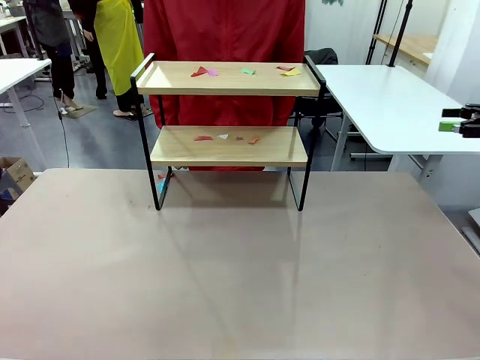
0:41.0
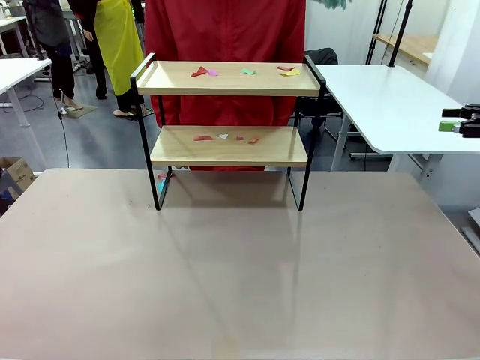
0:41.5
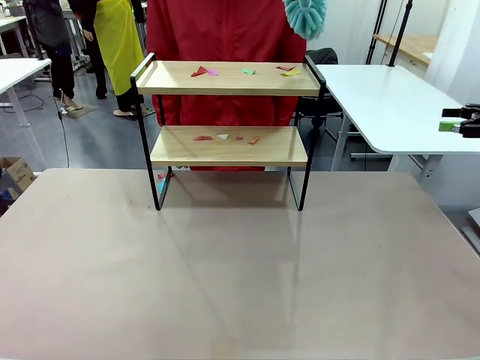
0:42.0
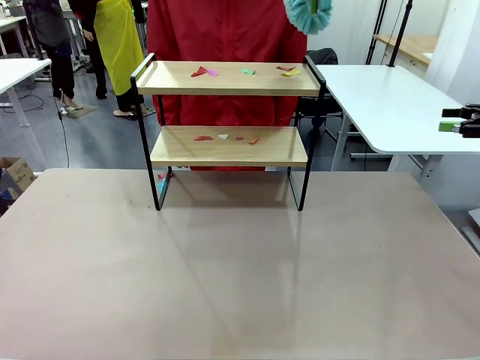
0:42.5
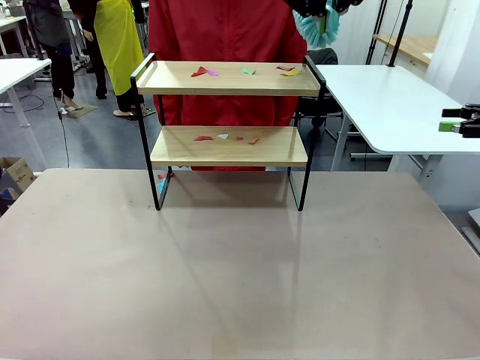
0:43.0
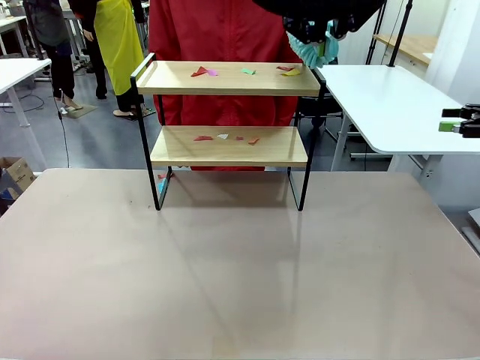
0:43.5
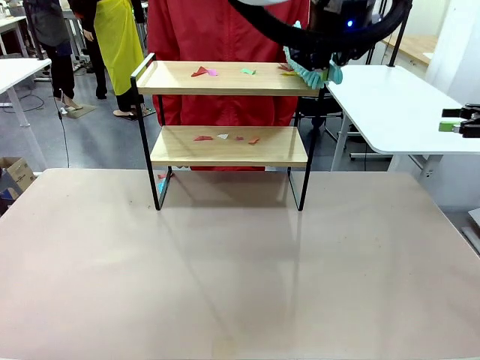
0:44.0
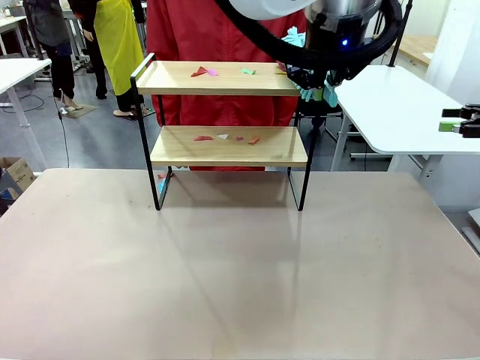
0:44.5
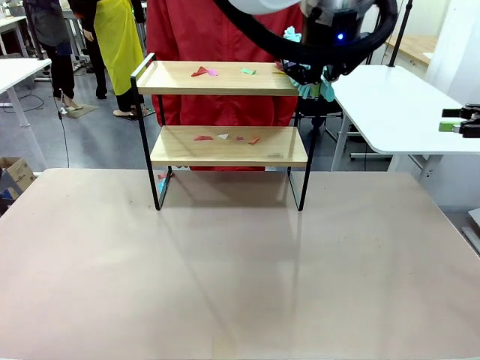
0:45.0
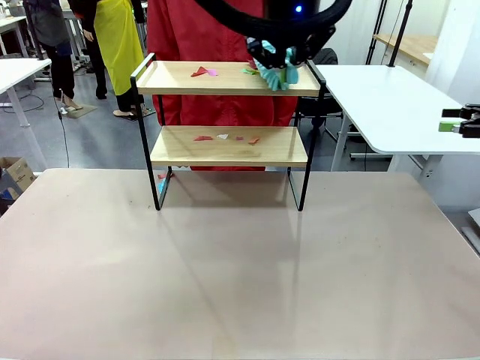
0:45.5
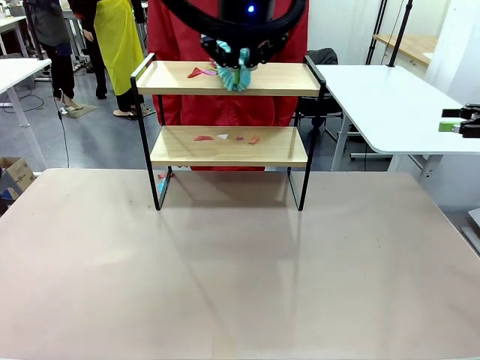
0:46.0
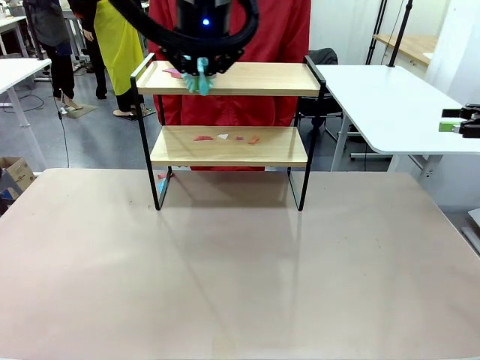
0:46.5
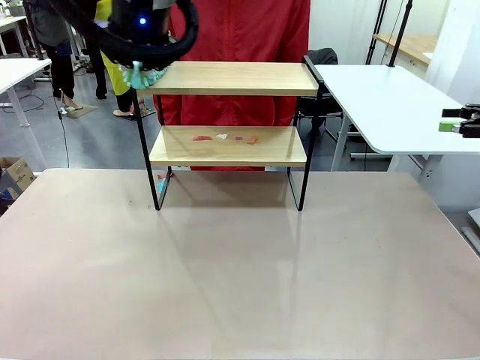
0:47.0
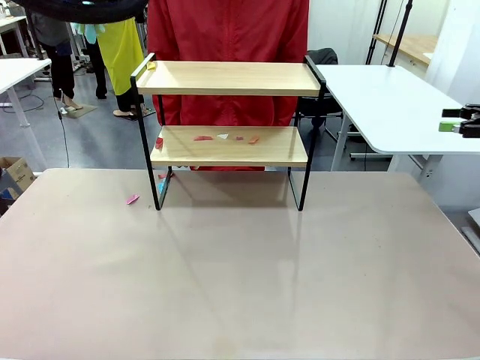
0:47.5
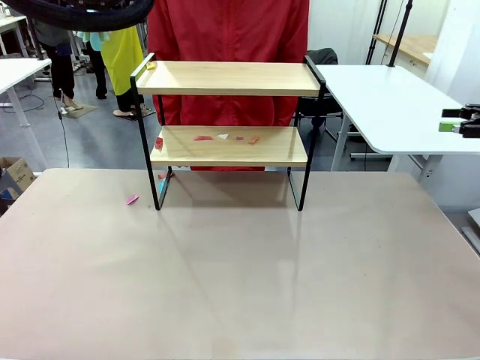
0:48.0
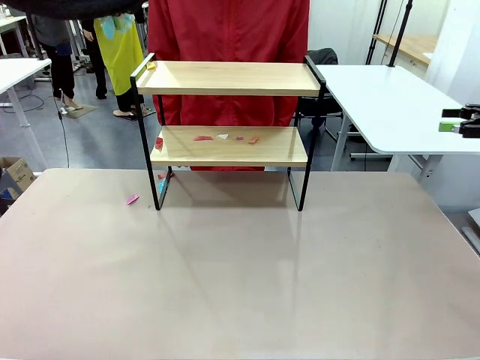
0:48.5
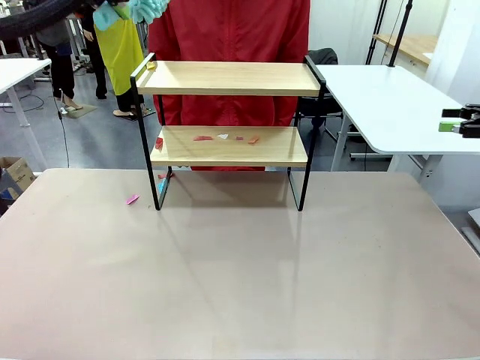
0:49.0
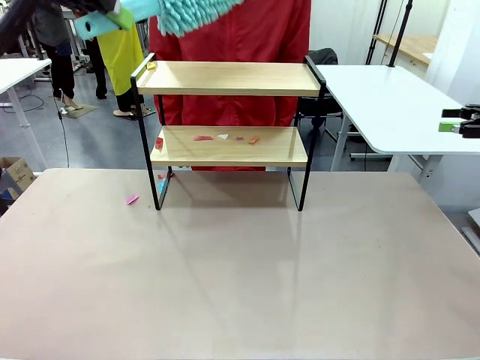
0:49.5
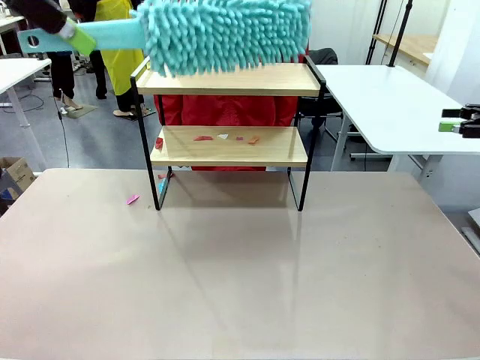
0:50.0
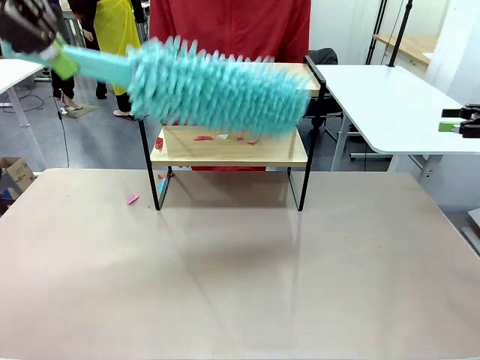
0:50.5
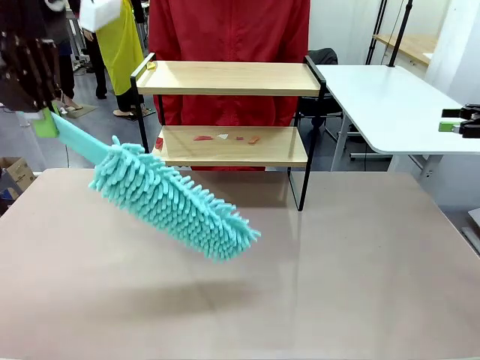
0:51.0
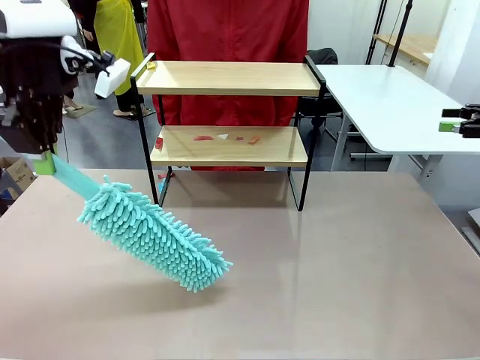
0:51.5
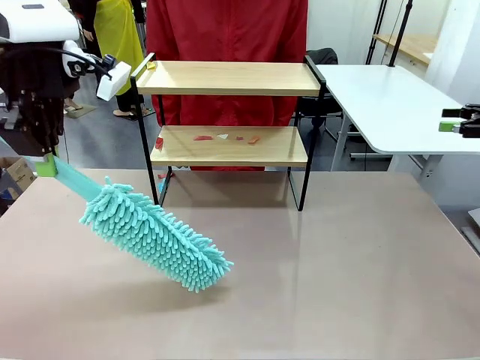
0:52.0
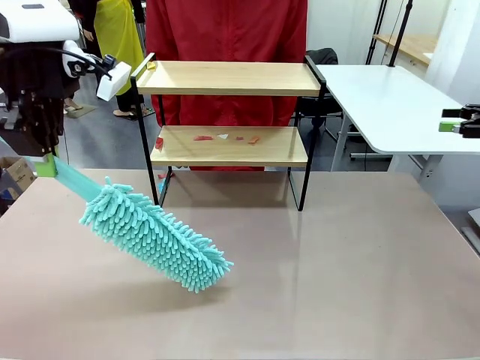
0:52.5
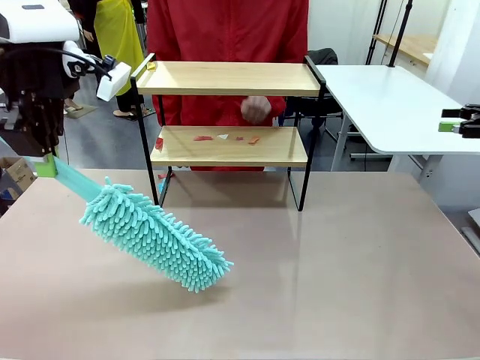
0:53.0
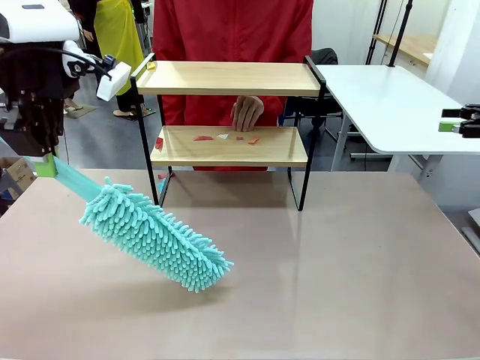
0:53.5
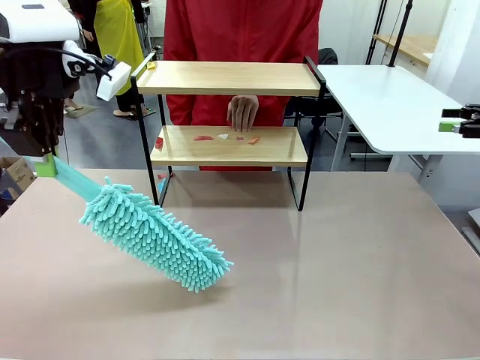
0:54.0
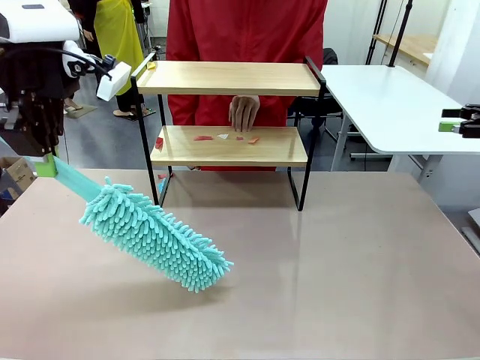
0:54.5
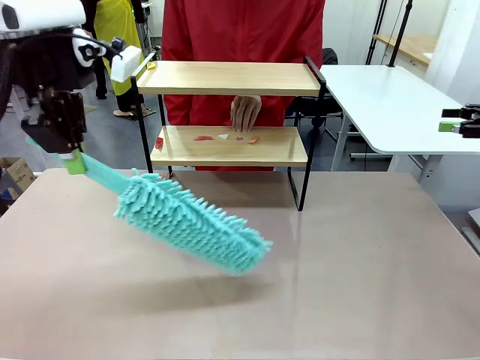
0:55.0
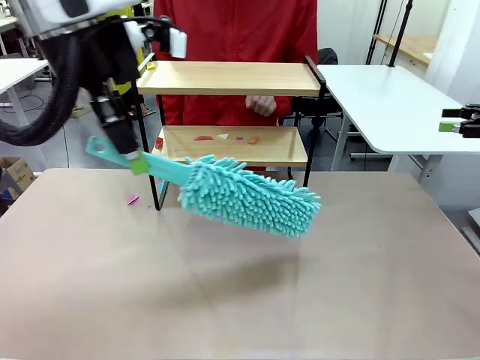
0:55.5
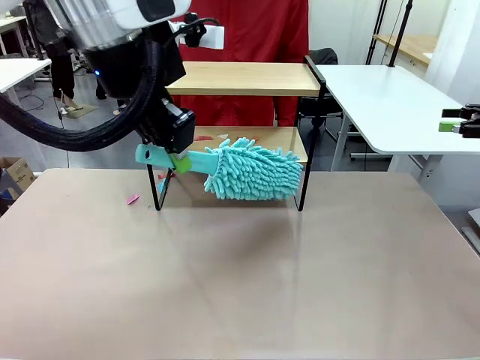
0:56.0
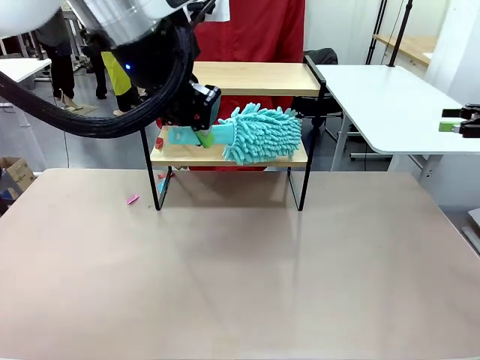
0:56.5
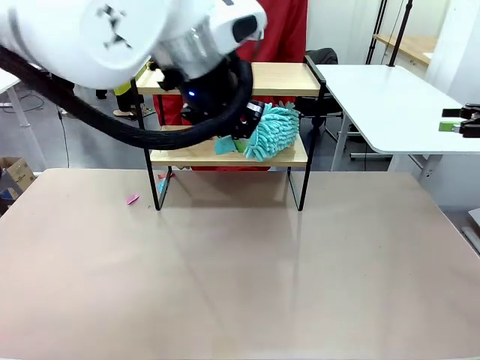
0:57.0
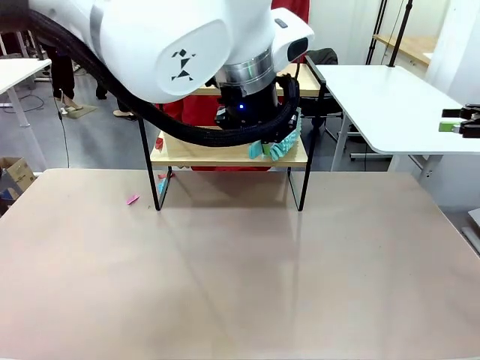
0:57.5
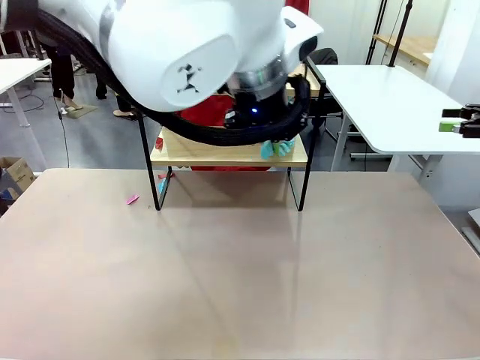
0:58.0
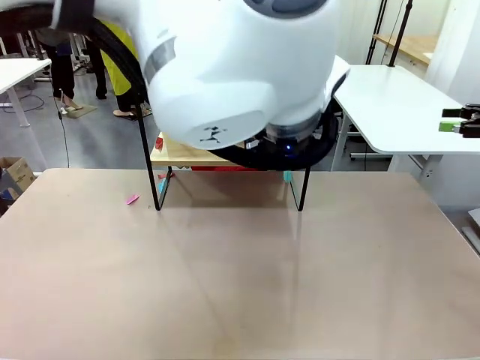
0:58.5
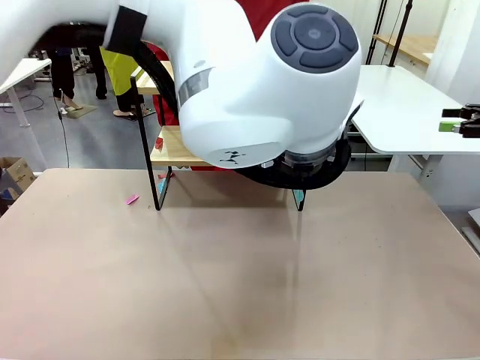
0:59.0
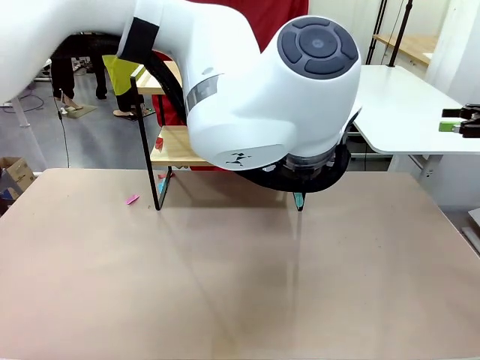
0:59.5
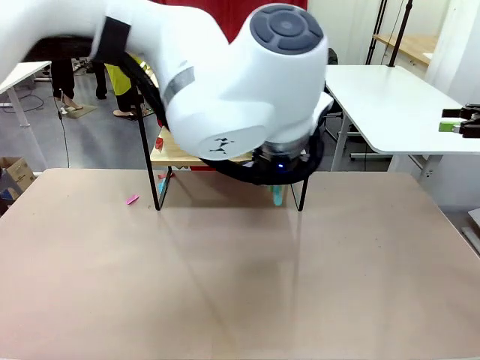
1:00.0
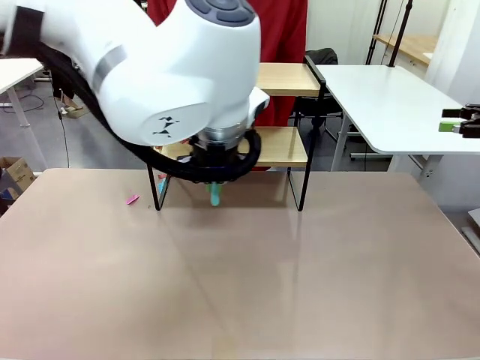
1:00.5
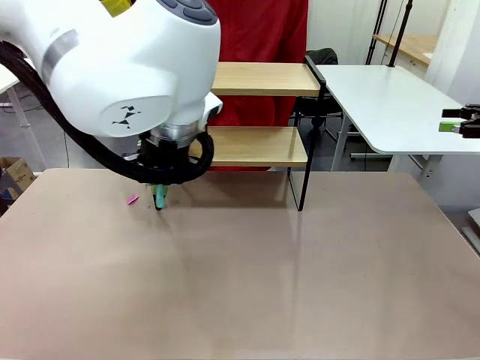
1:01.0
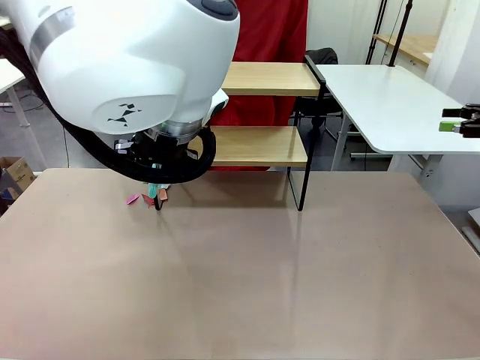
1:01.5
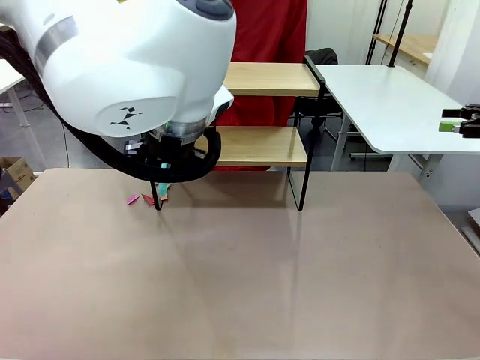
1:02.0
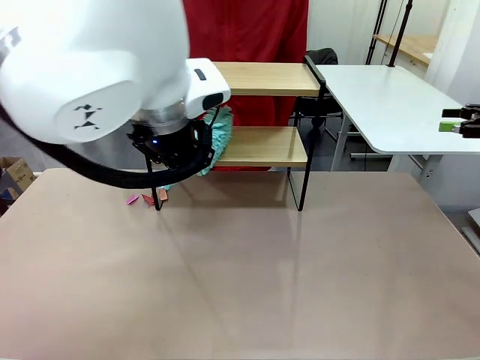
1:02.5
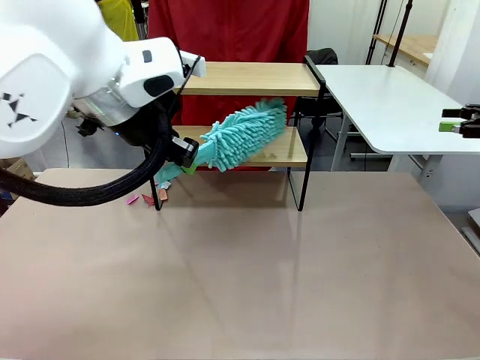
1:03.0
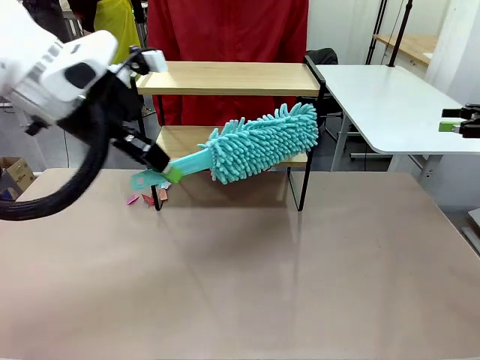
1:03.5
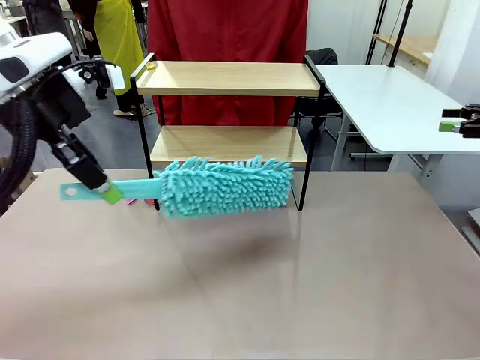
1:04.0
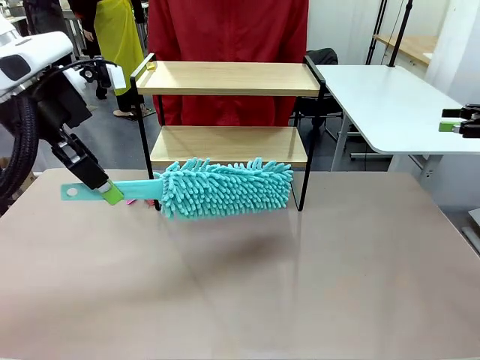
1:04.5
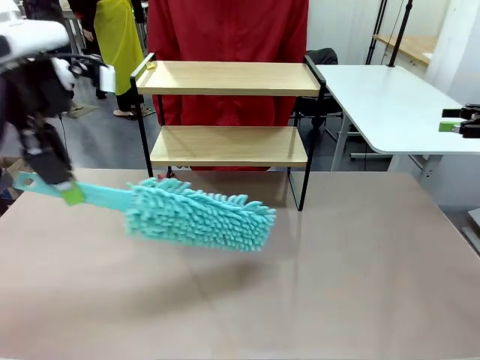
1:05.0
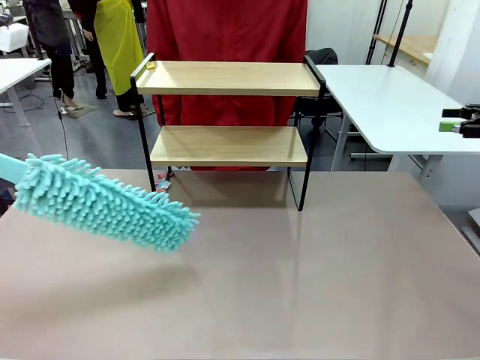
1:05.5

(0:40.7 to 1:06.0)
Task: Clean the shelf.
Robot: Clean the specific section of the Shelf indicated by the human with the Duster.
Person: Point a remaining section of the Shelf.

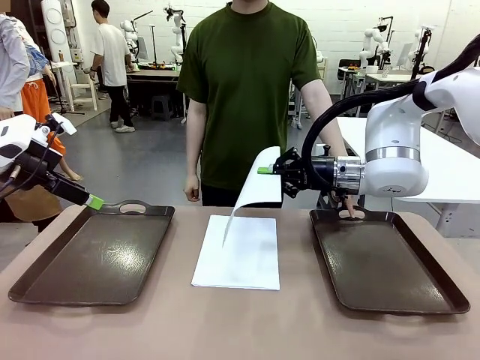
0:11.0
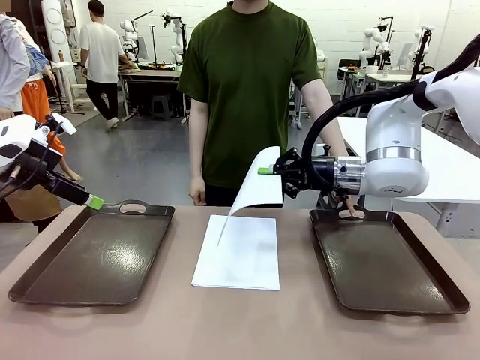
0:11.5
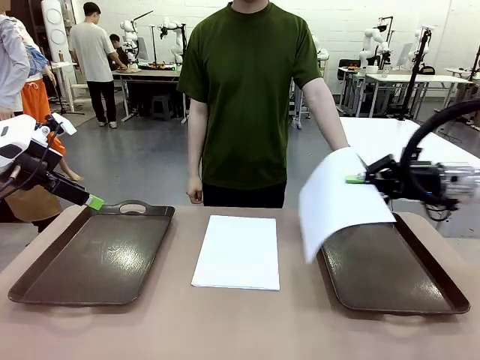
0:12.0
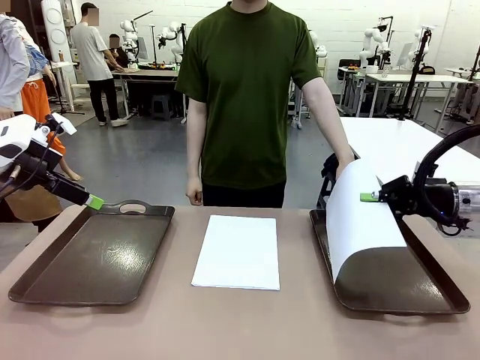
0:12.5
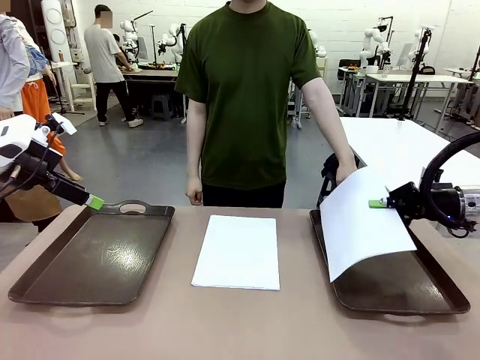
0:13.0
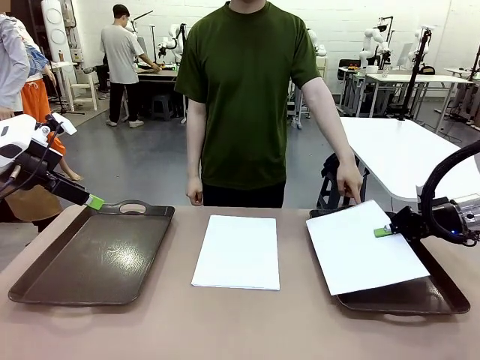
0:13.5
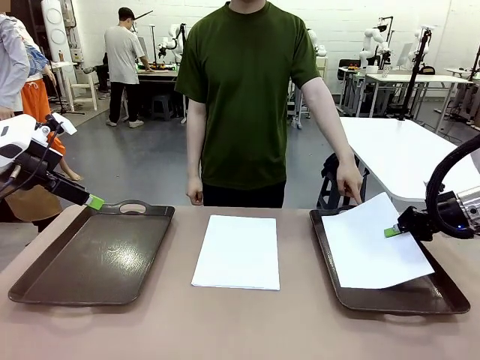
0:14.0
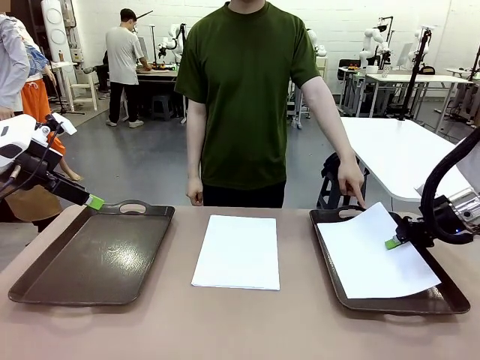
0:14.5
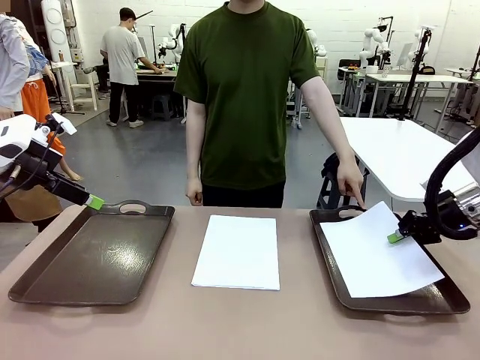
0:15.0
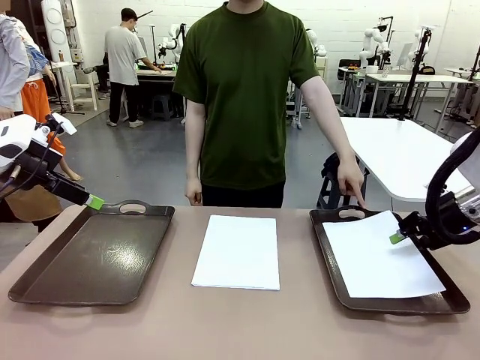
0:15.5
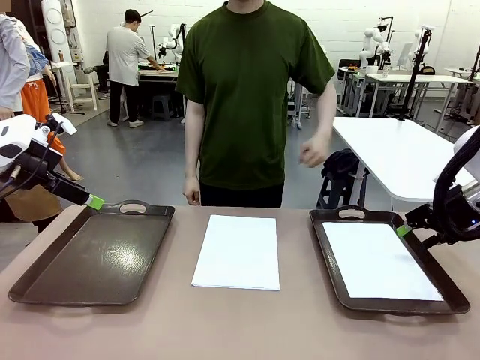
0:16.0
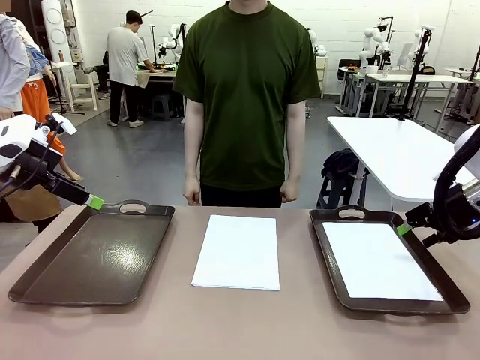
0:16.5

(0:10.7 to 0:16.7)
Task: Sort the A4 documents.
Robot: Place the A4 Paper in the designated Handle tray.
